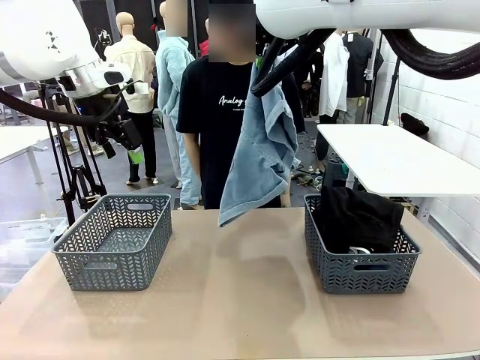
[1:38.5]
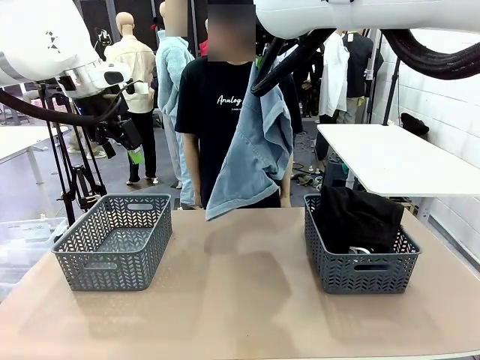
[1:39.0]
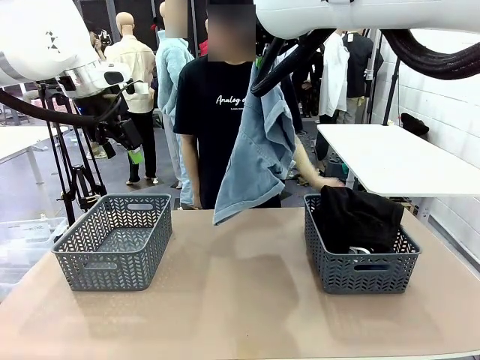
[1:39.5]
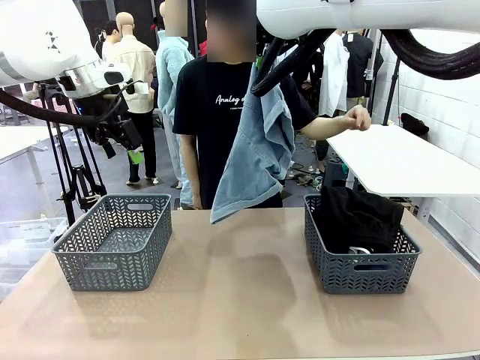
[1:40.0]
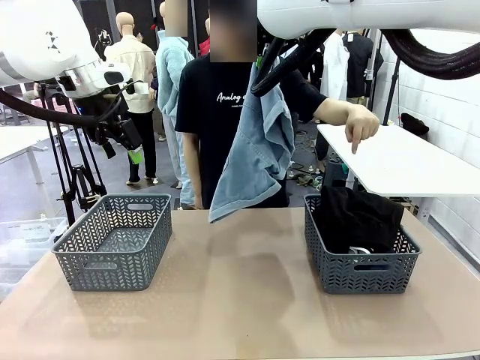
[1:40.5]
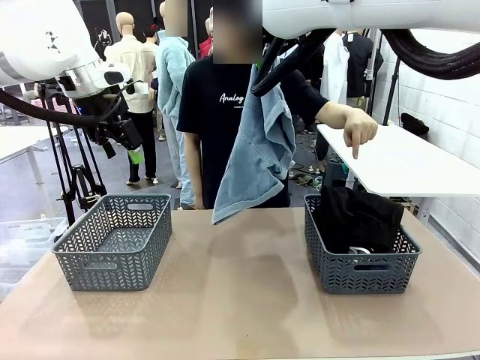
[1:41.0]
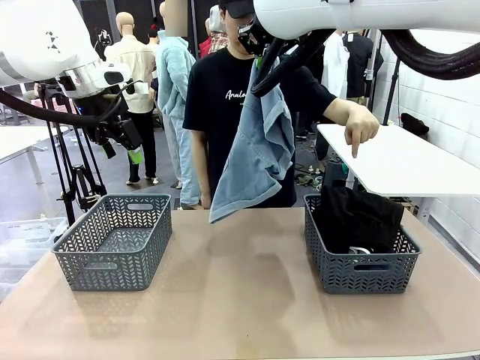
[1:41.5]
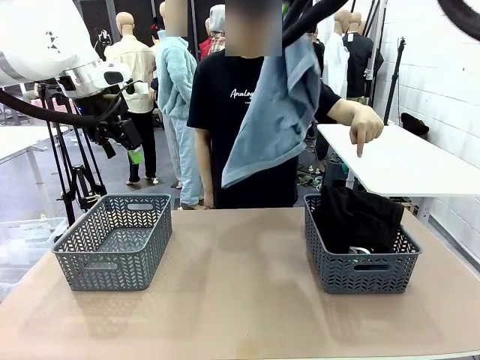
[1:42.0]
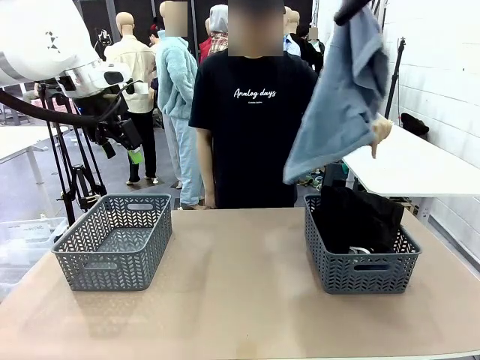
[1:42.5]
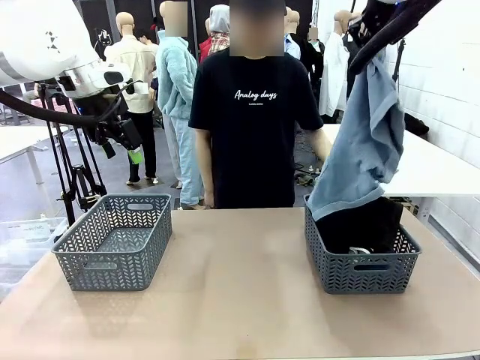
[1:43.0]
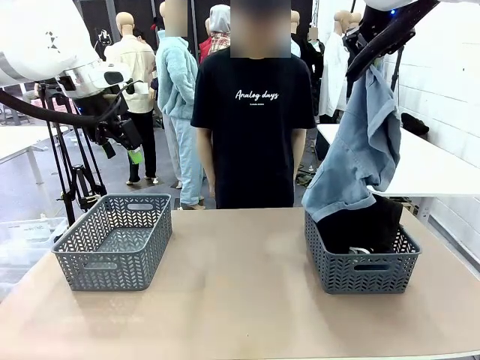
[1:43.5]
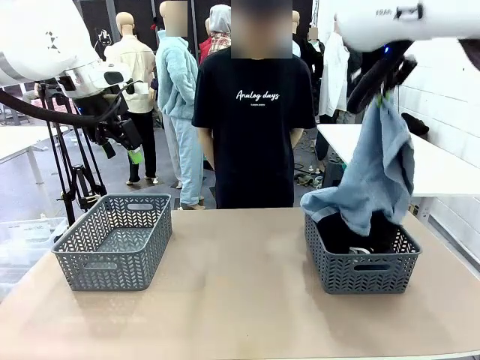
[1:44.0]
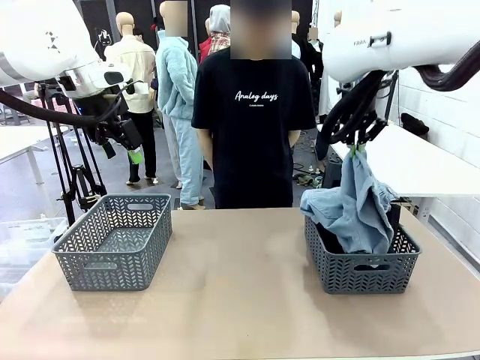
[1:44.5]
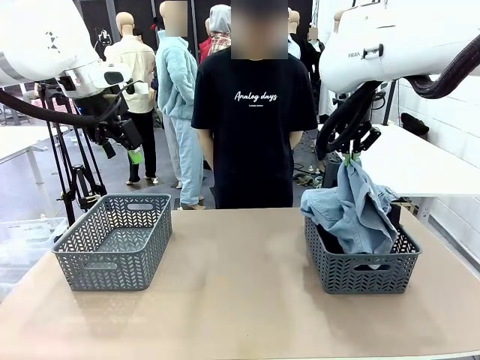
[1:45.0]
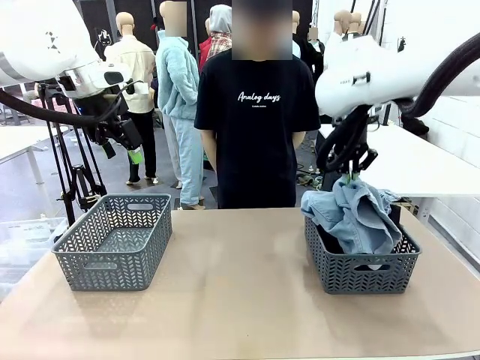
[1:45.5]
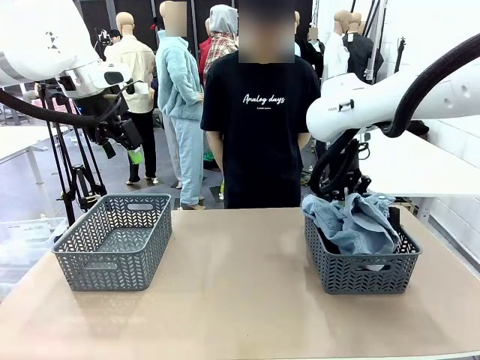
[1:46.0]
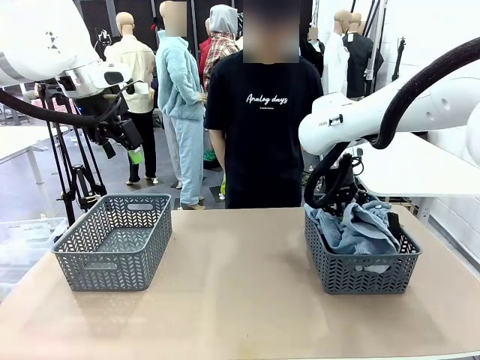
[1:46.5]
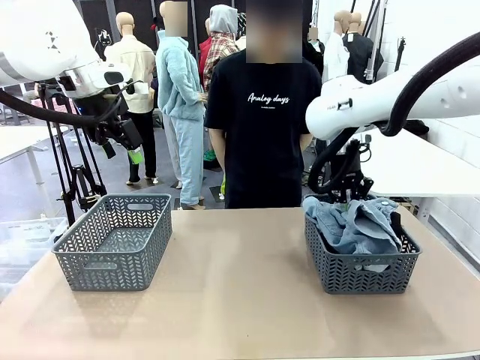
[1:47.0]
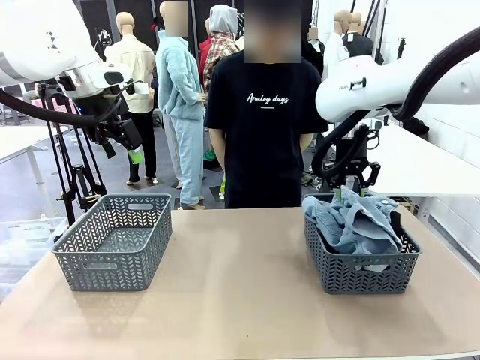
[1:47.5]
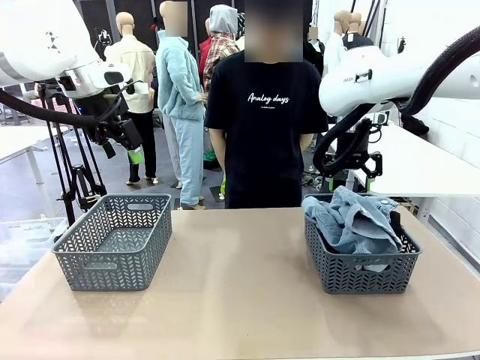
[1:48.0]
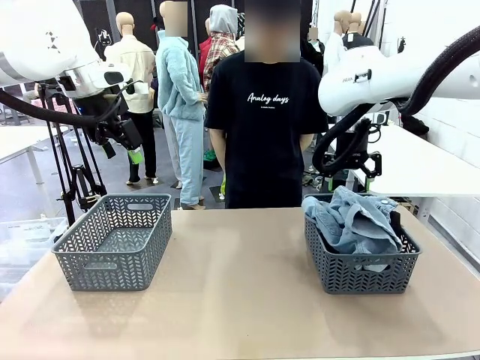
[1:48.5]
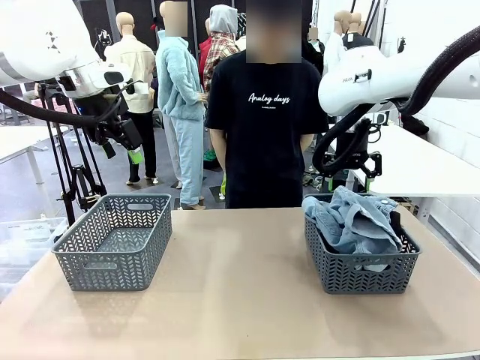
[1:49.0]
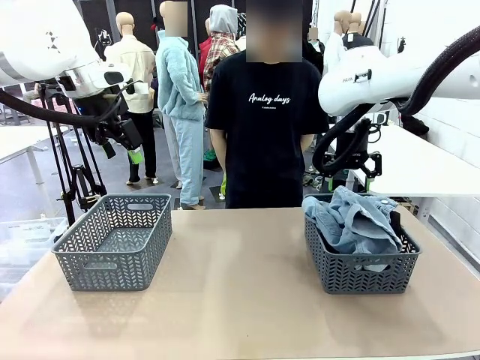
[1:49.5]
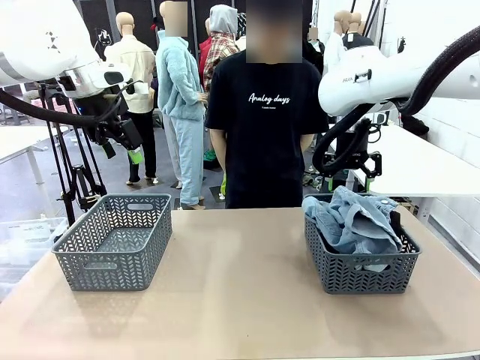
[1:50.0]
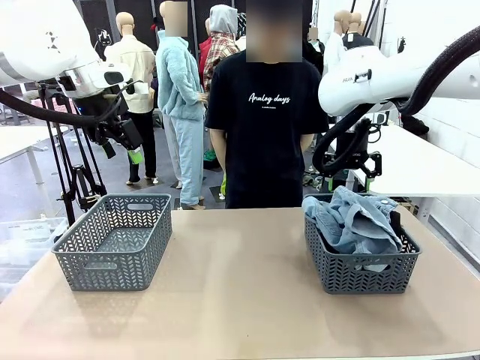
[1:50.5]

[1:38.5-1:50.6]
Task: Sort the tops and bottoms.
Robot: Sort the clothes according to human instructions.

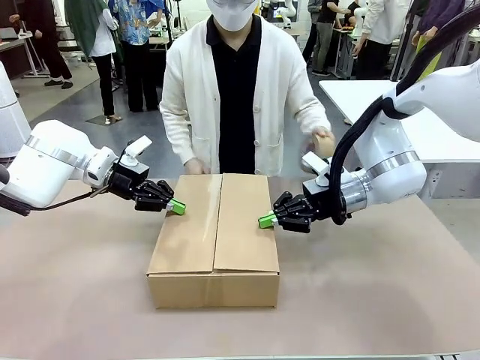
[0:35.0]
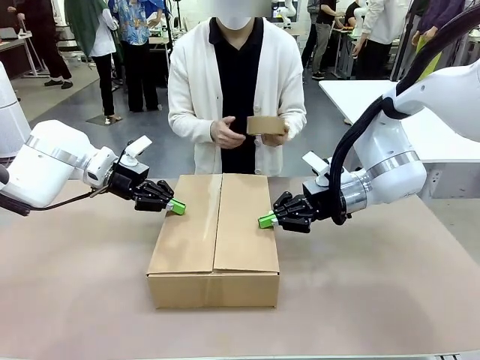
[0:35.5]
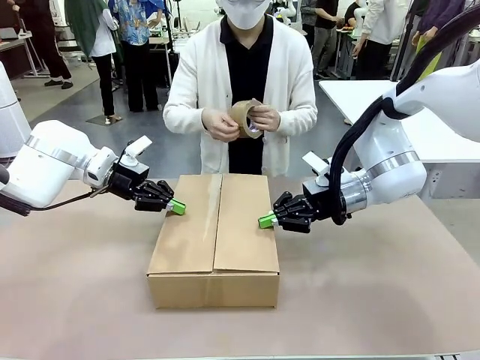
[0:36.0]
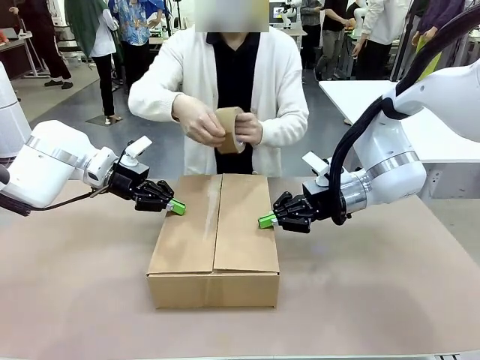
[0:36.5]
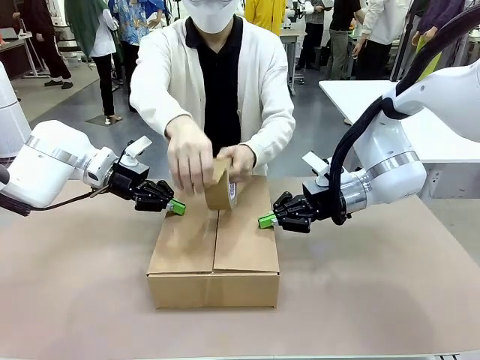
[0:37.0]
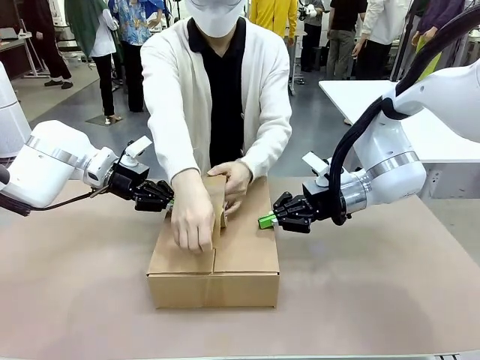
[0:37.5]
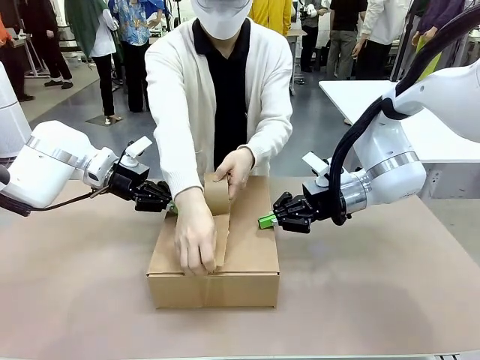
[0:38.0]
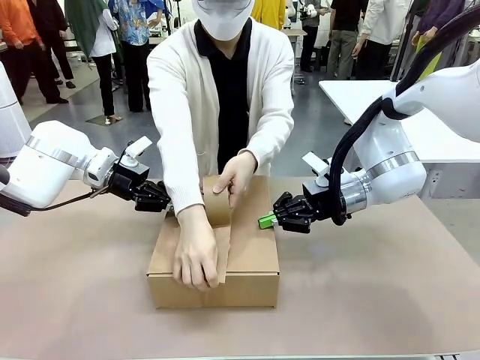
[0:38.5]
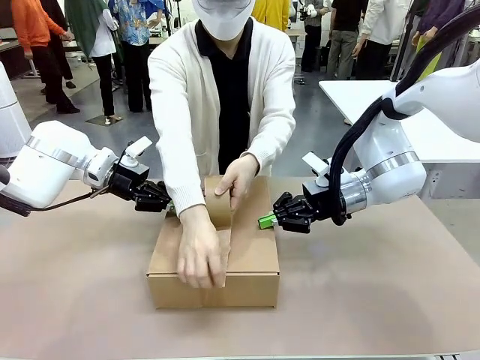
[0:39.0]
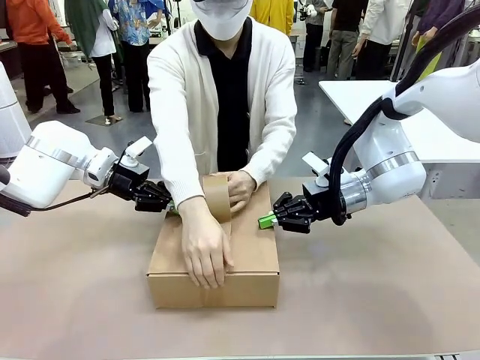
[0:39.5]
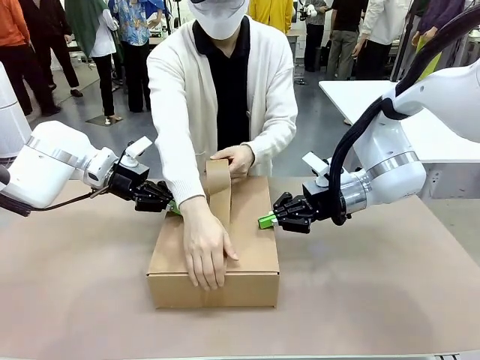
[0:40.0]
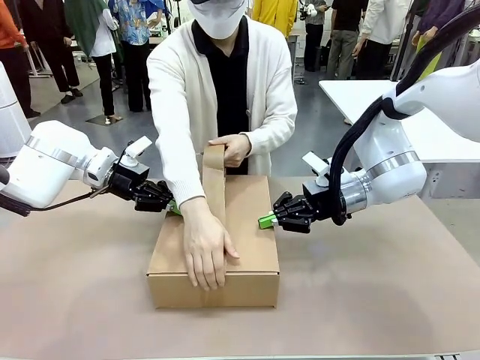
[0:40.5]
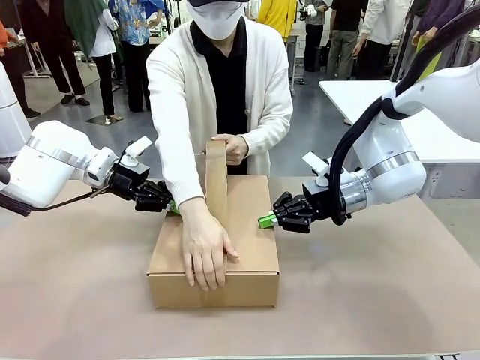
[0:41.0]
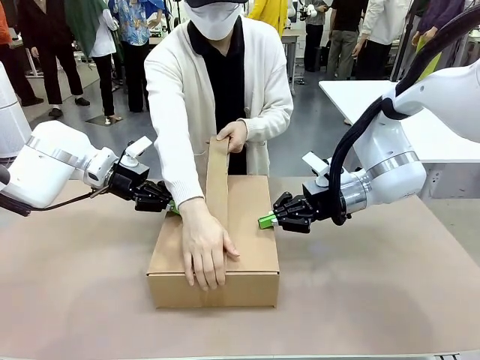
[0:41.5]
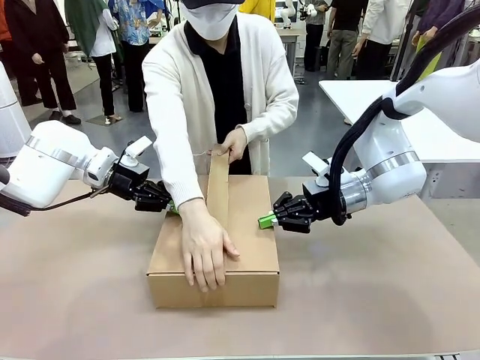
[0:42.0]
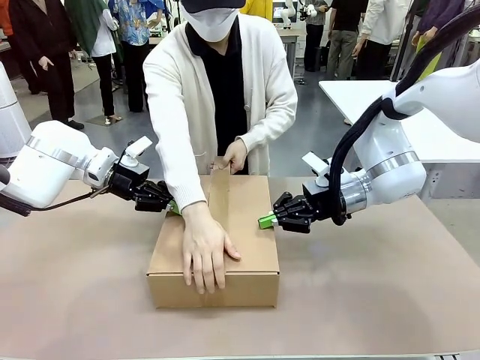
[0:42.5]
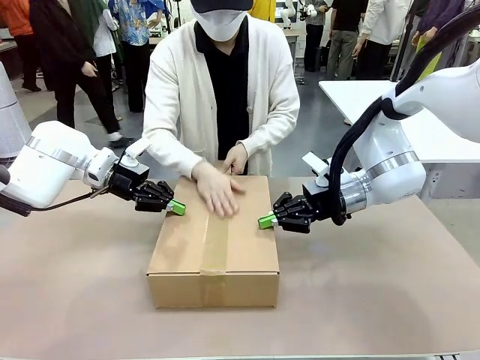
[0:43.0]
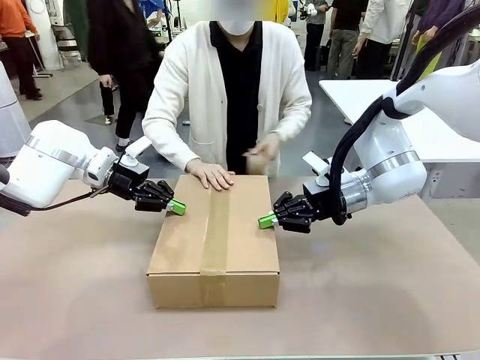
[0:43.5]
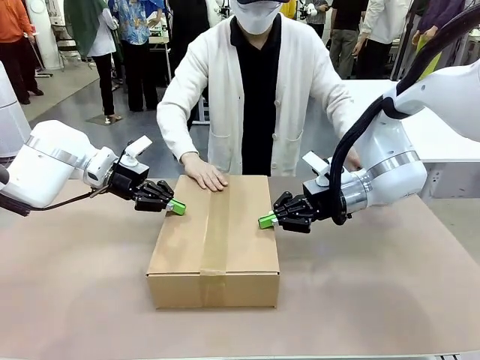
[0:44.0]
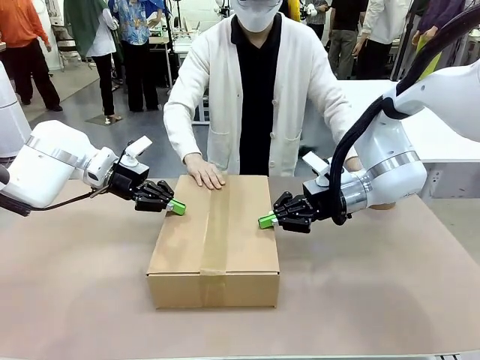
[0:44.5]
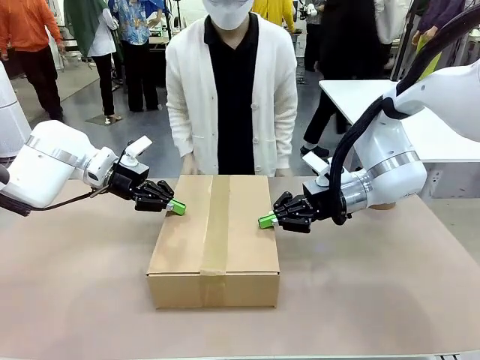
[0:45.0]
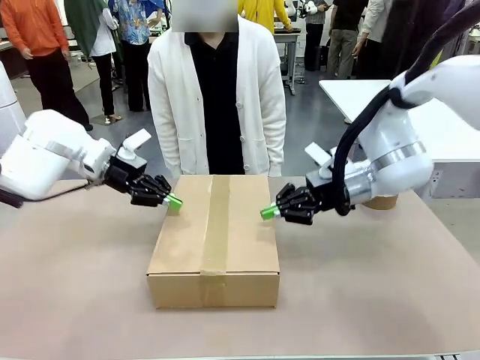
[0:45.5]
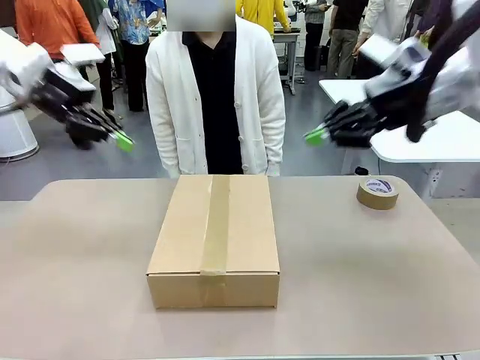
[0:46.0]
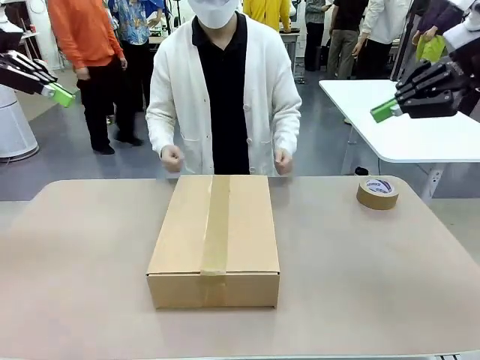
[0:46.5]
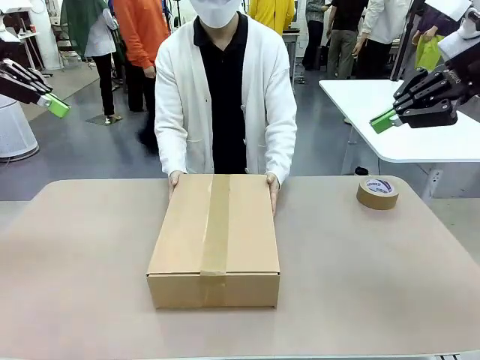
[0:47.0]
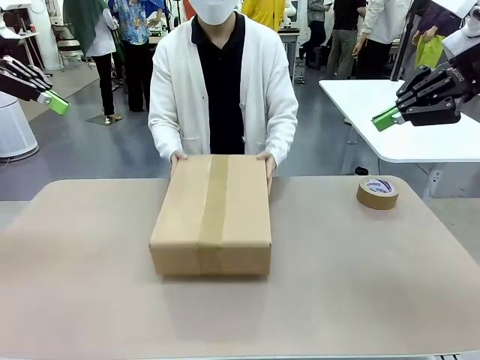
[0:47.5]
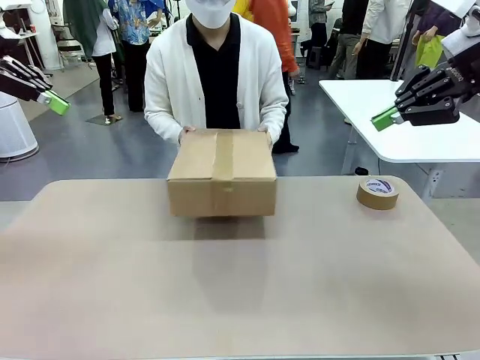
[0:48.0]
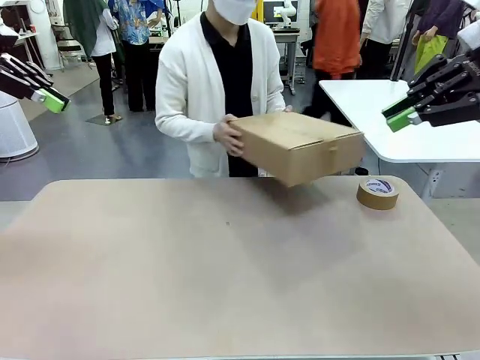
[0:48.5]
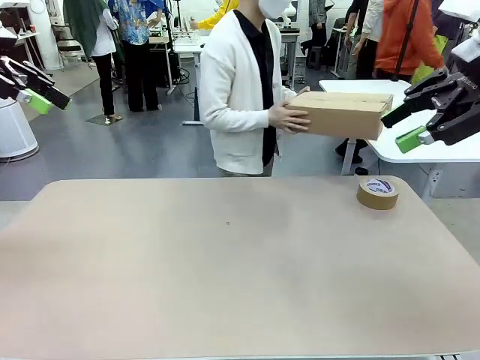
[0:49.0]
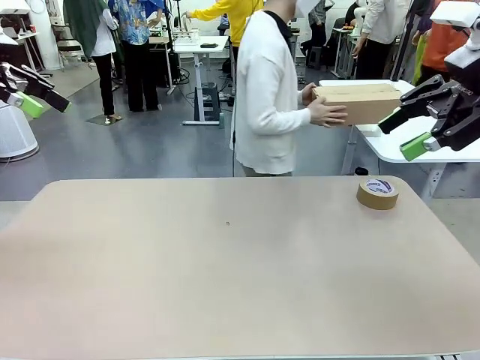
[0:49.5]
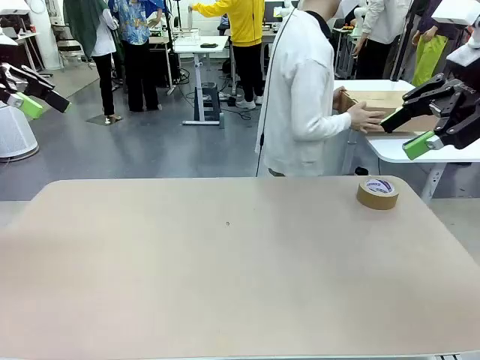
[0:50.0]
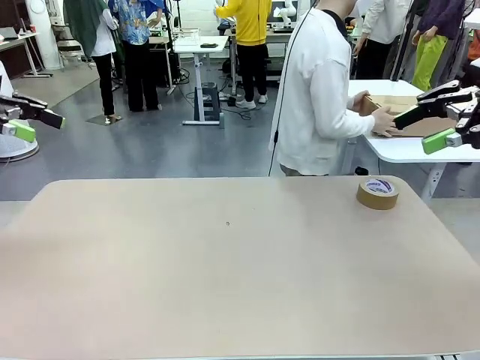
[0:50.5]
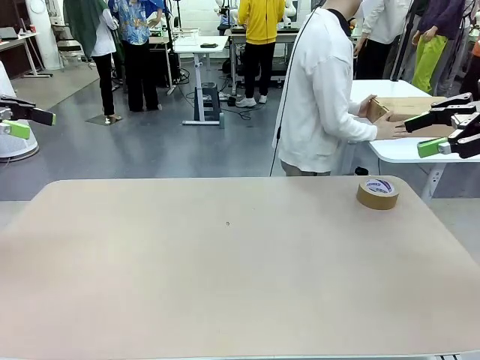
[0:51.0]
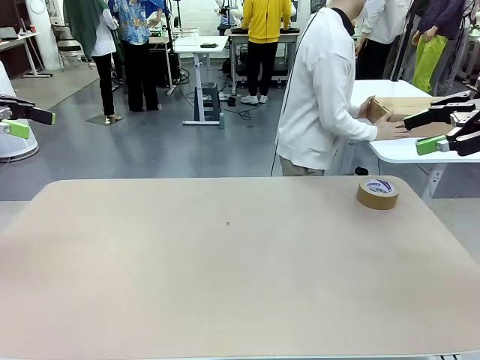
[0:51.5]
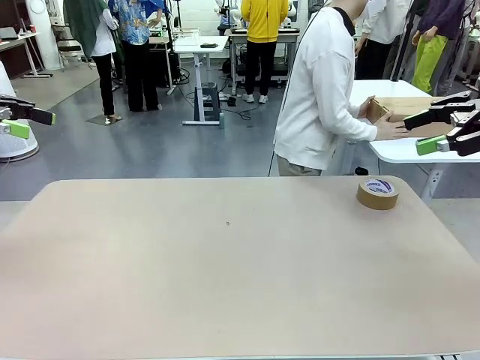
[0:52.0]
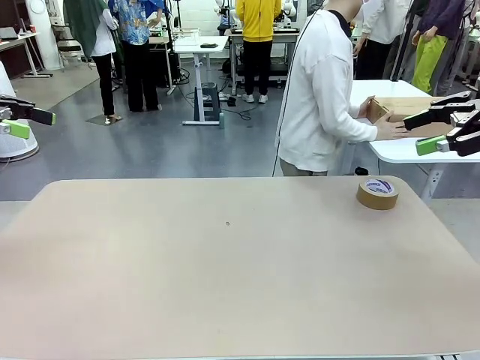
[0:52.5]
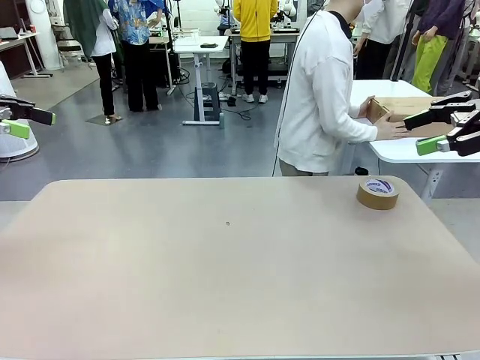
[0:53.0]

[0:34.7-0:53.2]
Task: Wrap the clocks to prevent damage.
Robot: After the human seals the box with tape, release both hands from the side flaps of the Package Box.
Person: Once the robot closes the left flap of the Package Box , seal the box with Paper Tape. Place sealed Package Box in the middle of the human's table.
